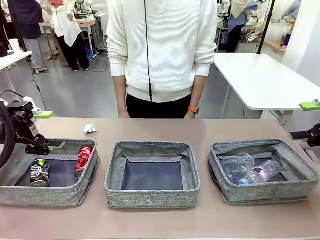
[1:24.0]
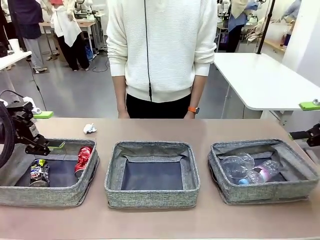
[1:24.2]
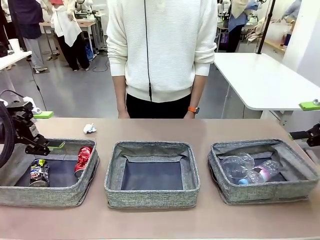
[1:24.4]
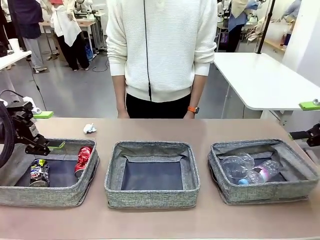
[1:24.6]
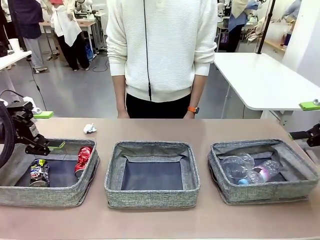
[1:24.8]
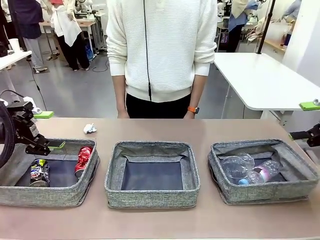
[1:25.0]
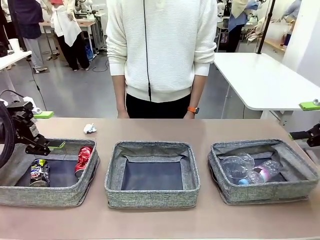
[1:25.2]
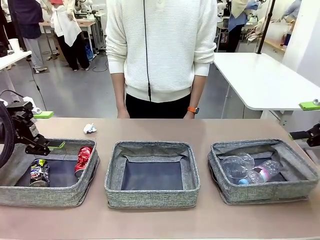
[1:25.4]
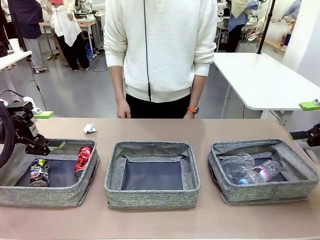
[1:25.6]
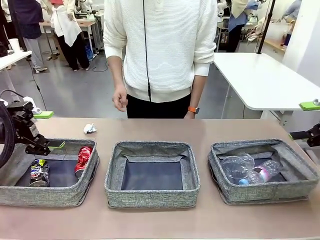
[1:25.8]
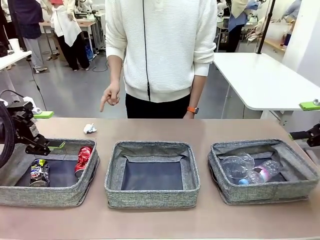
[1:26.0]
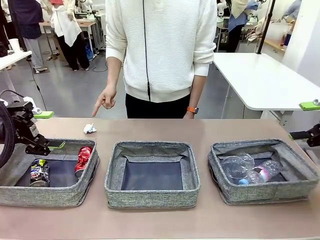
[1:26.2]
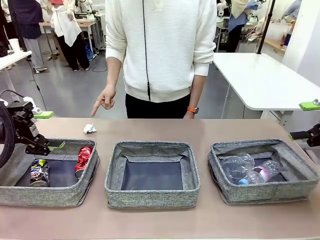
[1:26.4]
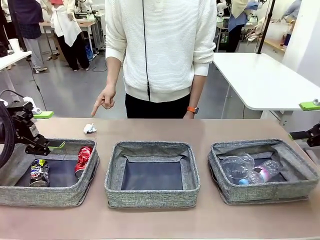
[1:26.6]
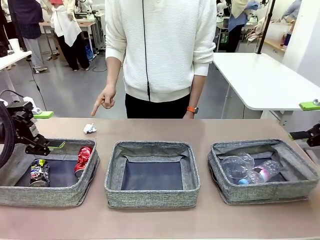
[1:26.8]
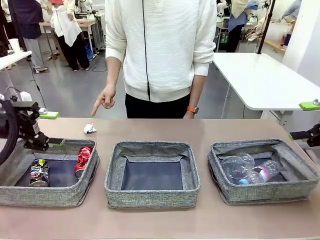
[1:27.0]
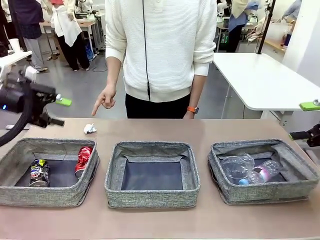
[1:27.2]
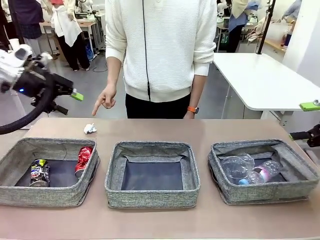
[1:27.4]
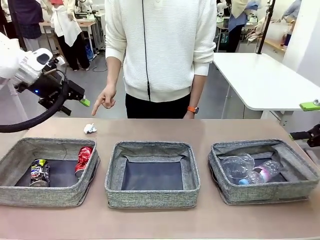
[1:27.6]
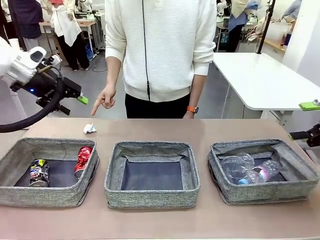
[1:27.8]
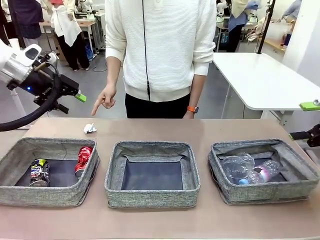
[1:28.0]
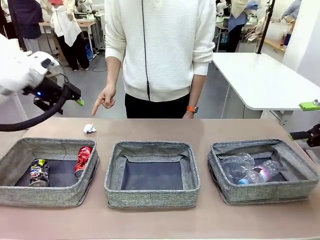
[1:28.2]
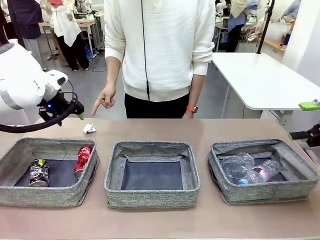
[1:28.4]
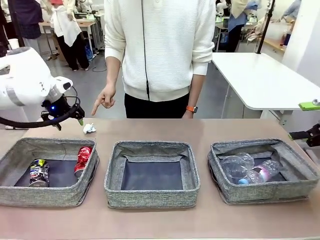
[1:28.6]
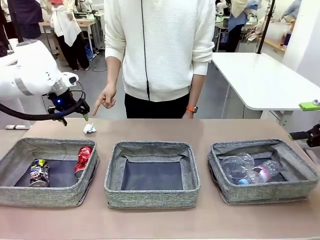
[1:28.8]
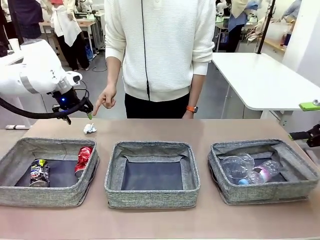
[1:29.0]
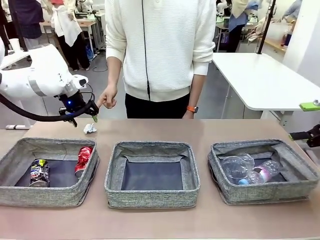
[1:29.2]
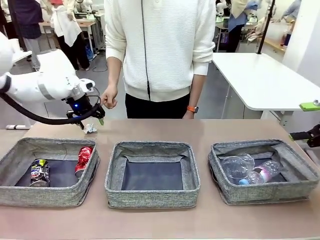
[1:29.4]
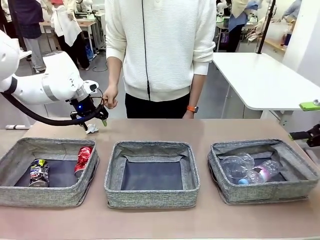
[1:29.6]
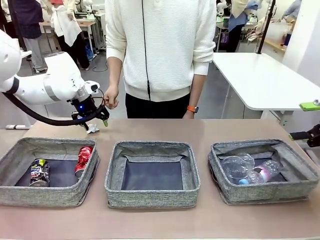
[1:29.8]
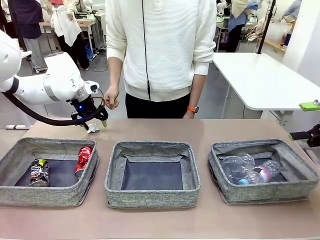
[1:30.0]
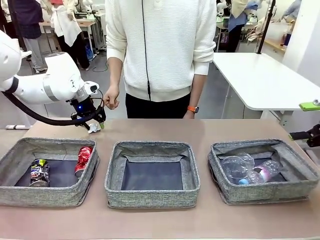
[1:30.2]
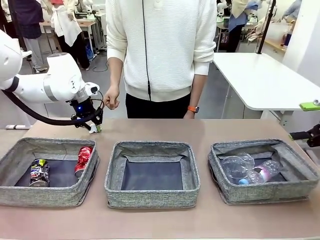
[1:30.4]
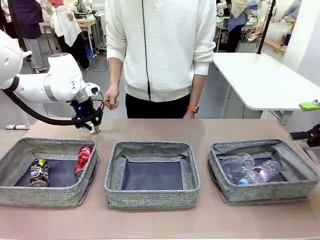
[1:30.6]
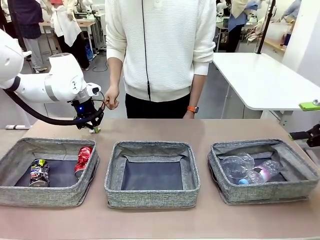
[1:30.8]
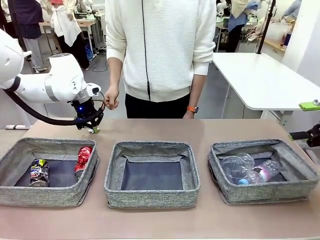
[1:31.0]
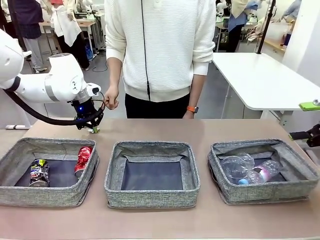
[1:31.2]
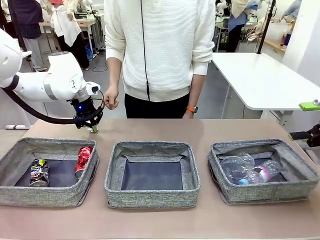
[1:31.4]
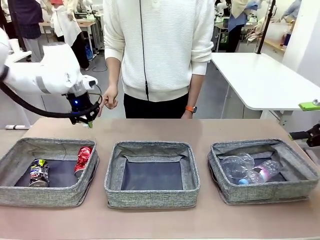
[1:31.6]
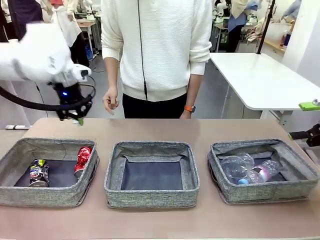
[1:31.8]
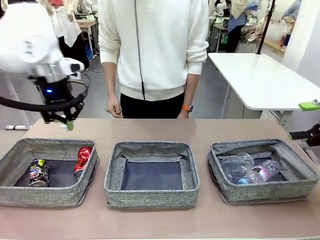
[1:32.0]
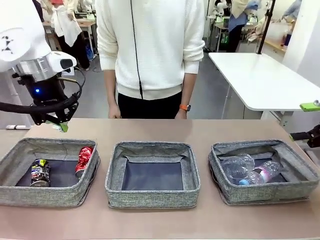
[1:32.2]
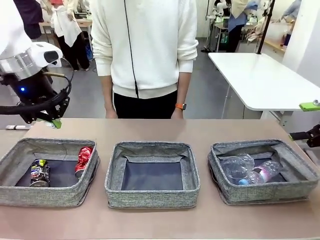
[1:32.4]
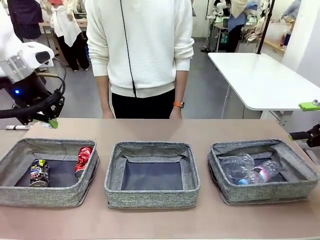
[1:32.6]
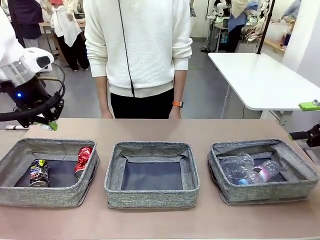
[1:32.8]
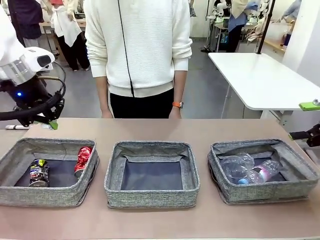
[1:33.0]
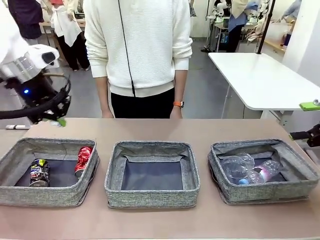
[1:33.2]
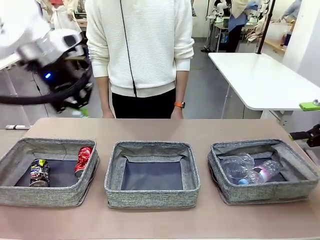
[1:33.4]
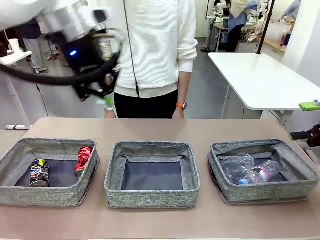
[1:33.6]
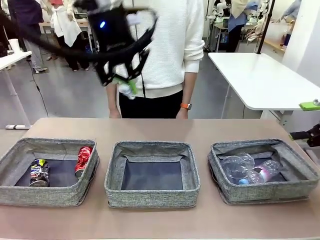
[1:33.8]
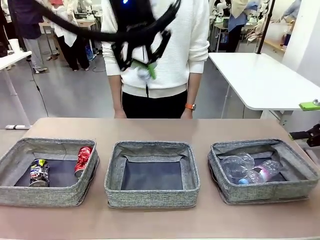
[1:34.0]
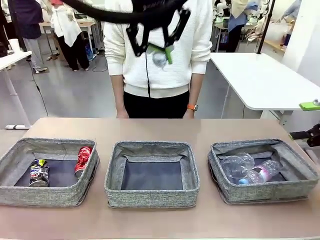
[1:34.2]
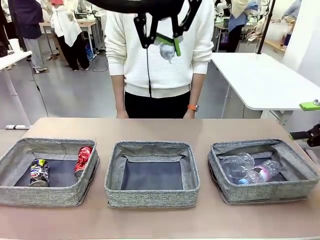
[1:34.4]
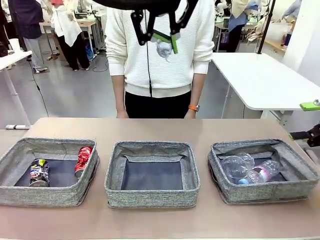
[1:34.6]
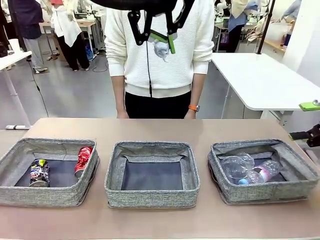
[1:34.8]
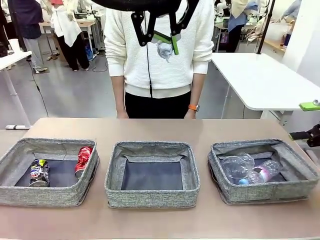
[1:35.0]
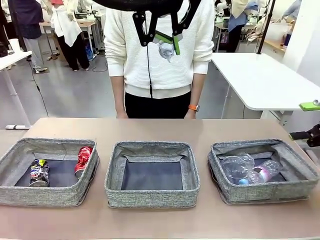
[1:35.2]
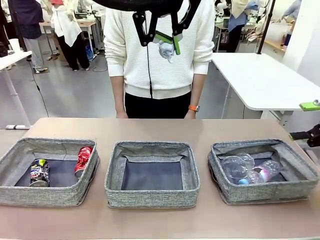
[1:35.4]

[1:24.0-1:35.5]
Task: Sort the waste into the appropriate baskets.
Robot: Pick up the waste item pointed out by the person.
Person: Points to one piece of trash on the table.

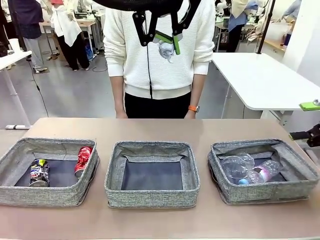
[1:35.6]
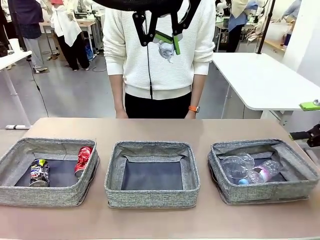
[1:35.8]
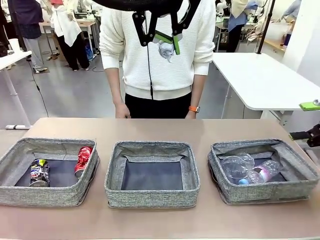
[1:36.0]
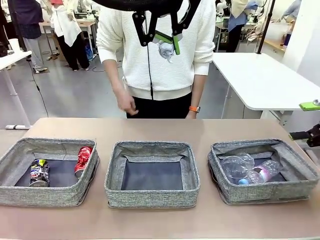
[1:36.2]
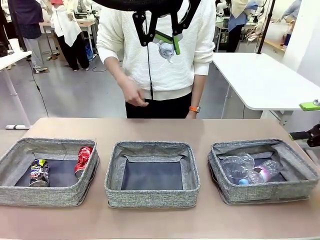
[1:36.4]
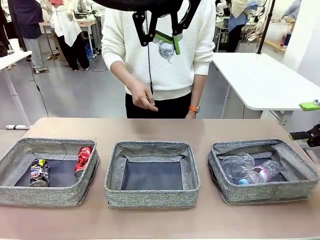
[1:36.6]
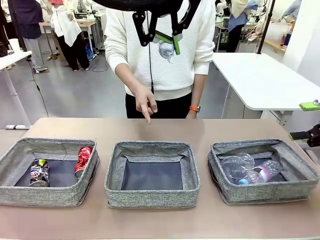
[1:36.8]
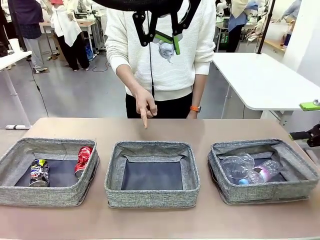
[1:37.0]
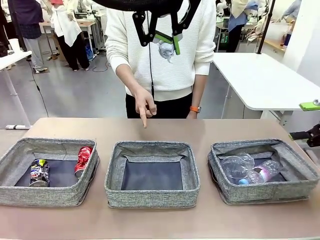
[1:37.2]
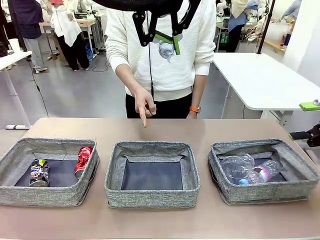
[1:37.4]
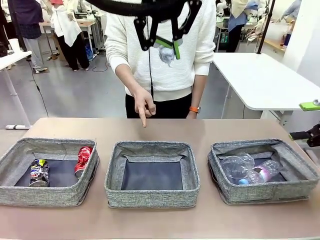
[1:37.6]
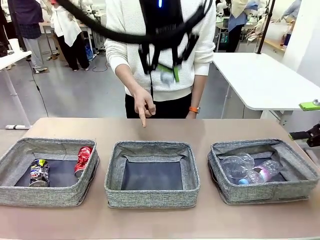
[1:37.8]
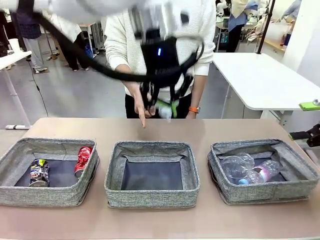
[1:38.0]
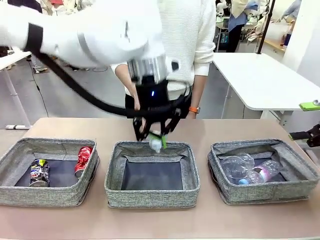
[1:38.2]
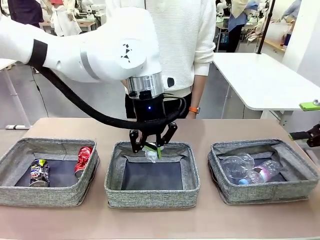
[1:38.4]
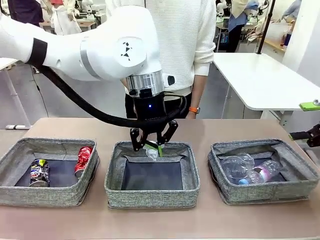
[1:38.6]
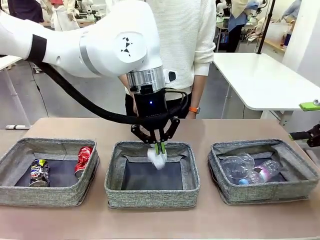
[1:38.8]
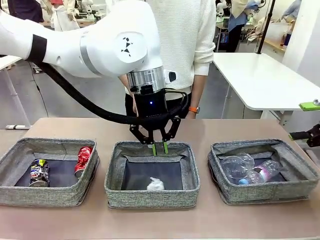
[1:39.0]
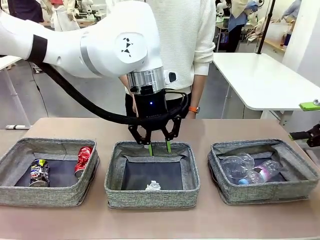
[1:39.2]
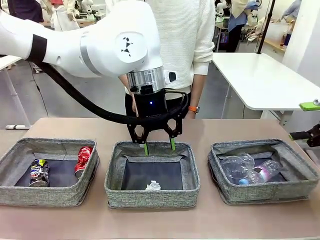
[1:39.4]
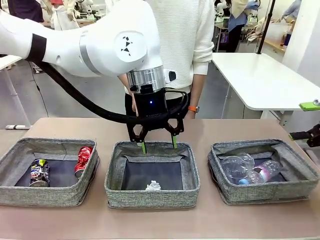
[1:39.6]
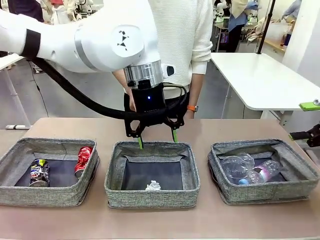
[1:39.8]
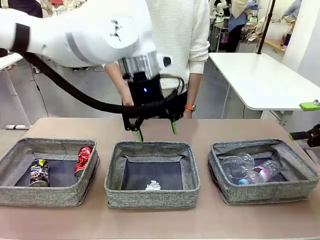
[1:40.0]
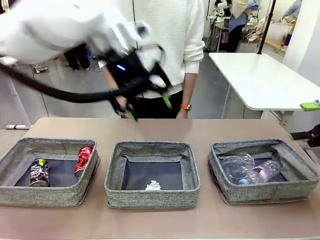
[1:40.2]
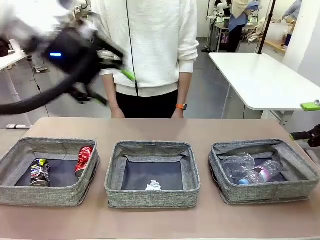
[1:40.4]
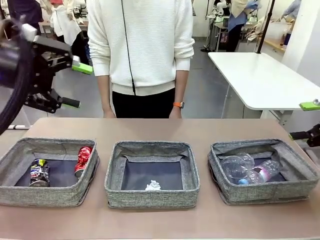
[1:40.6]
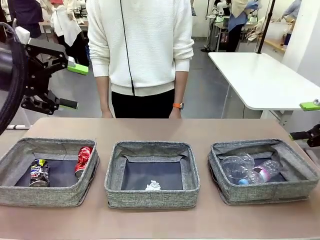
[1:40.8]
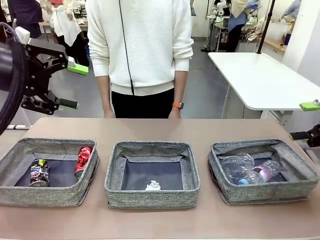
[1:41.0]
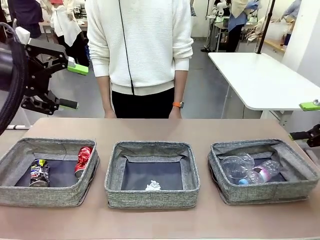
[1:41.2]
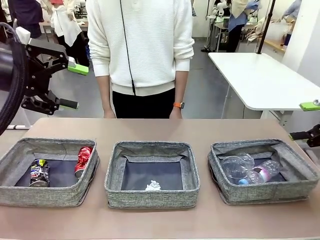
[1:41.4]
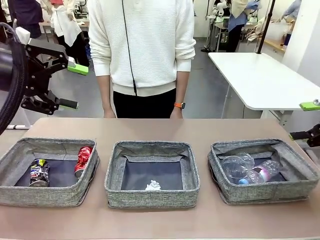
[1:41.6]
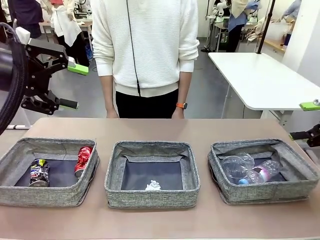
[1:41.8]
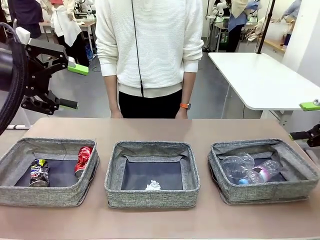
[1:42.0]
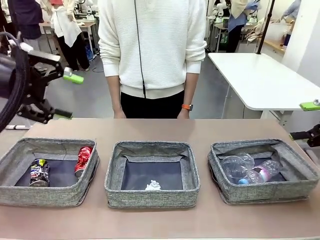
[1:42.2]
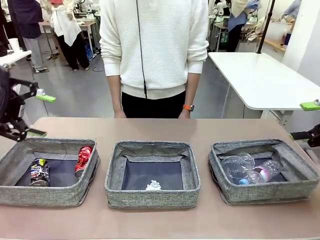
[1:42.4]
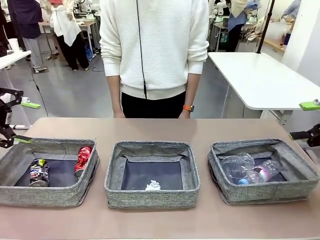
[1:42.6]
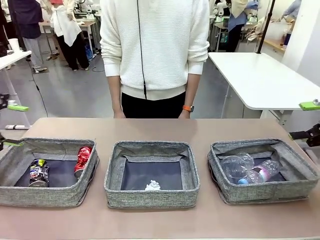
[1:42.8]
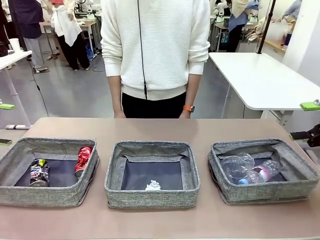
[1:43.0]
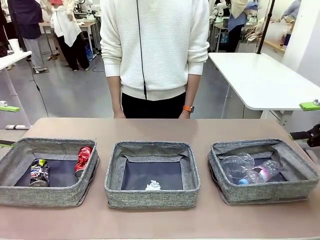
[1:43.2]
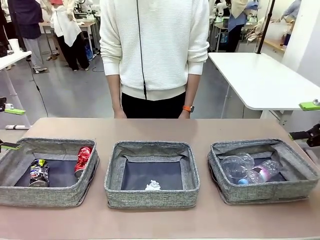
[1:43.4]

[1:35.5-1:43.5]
Robot: Place the picked waste into the Fabric basket indicated by the person.
Person: Instructs the robot to place the picked-up trash into the appropriate organizing basket.
